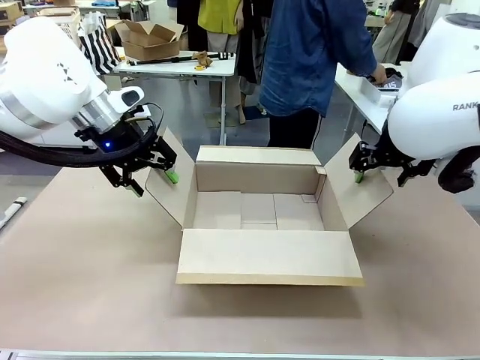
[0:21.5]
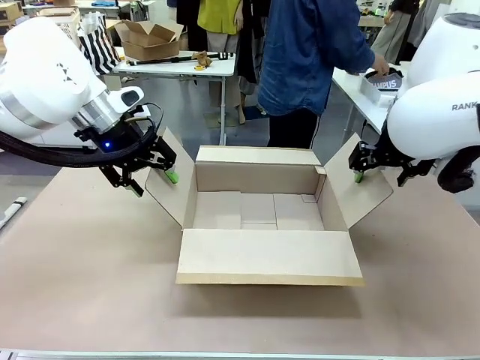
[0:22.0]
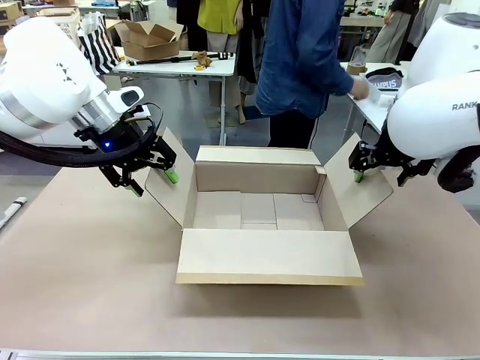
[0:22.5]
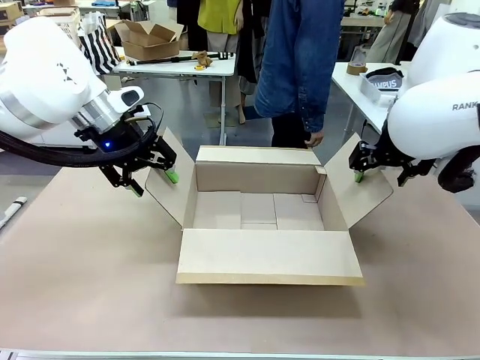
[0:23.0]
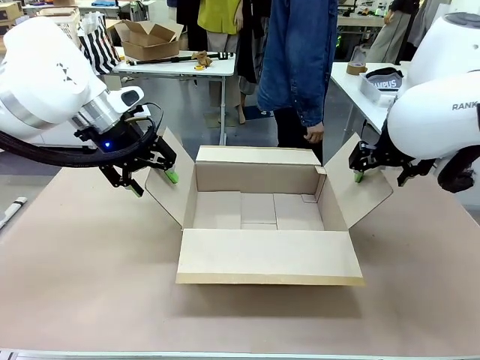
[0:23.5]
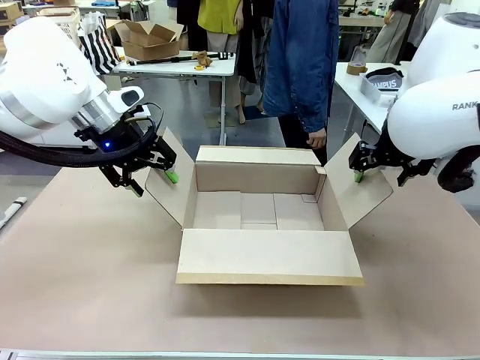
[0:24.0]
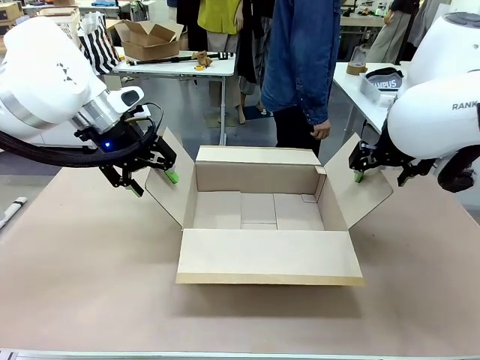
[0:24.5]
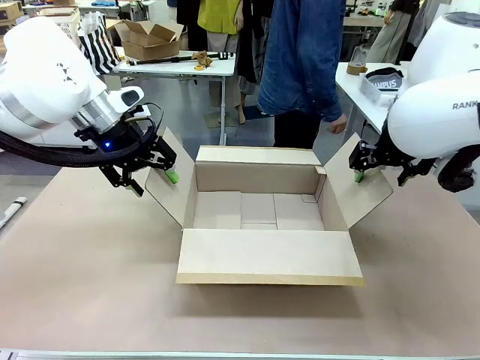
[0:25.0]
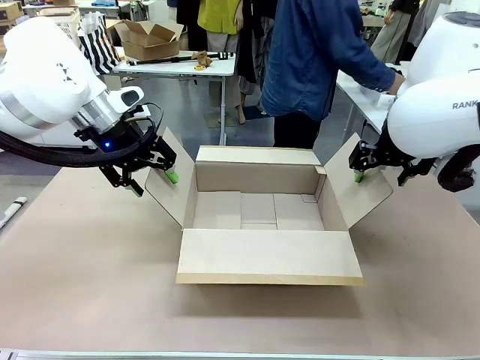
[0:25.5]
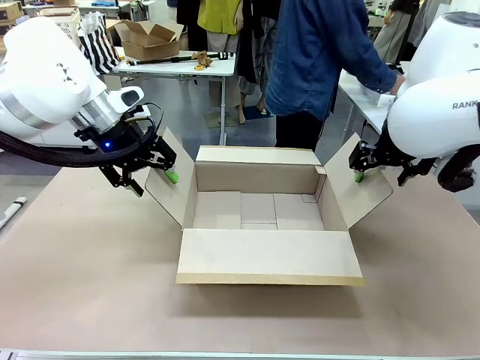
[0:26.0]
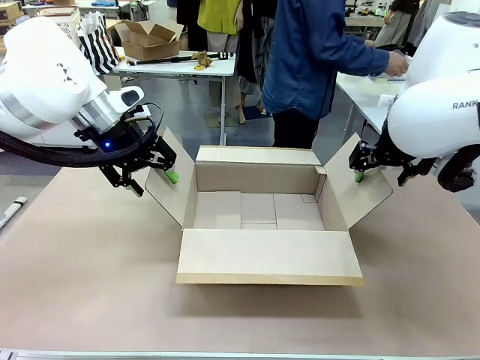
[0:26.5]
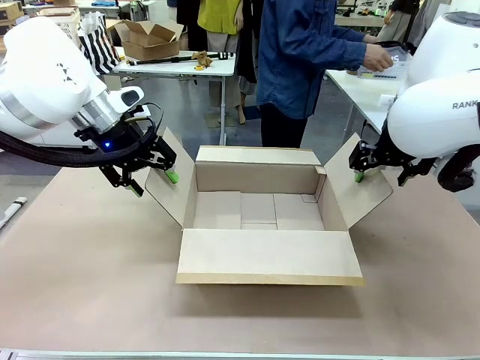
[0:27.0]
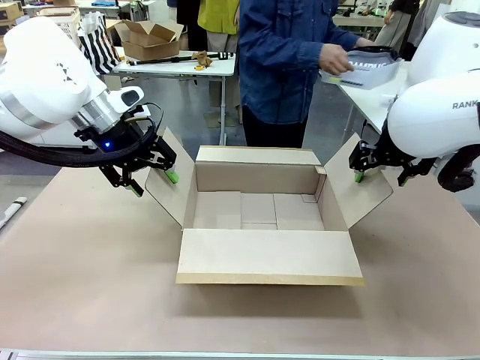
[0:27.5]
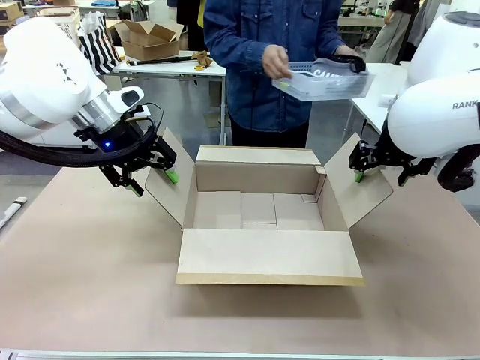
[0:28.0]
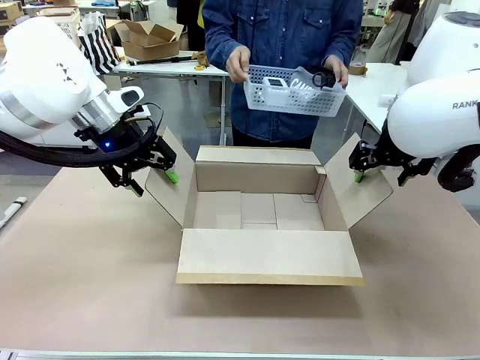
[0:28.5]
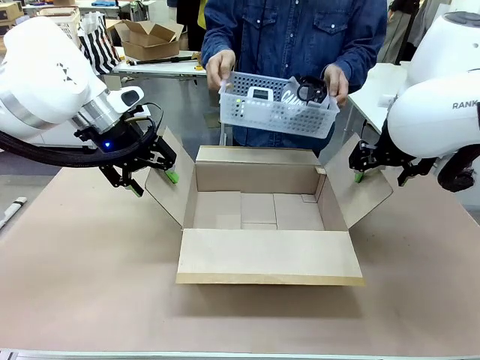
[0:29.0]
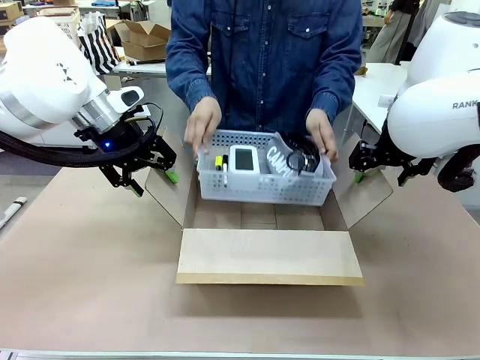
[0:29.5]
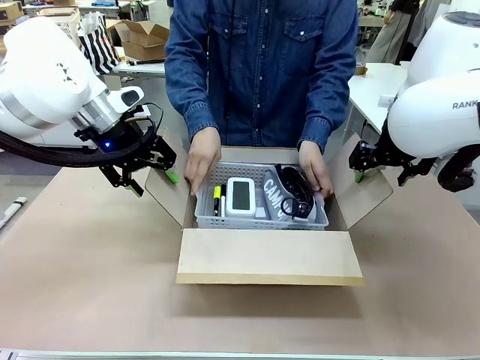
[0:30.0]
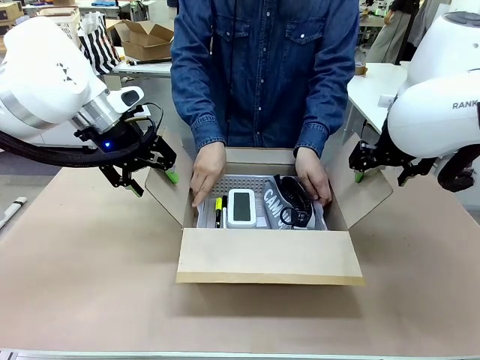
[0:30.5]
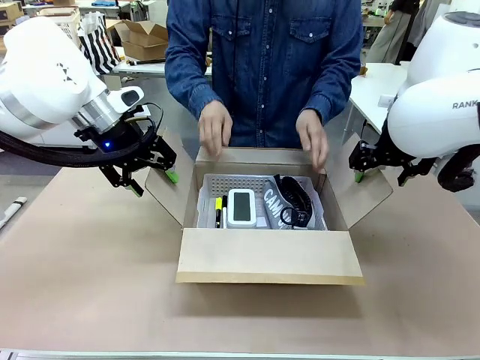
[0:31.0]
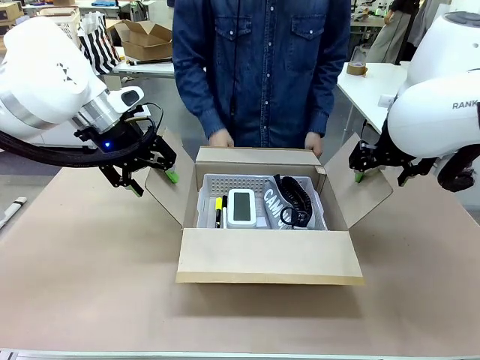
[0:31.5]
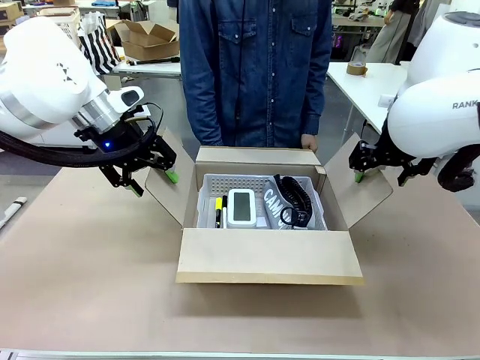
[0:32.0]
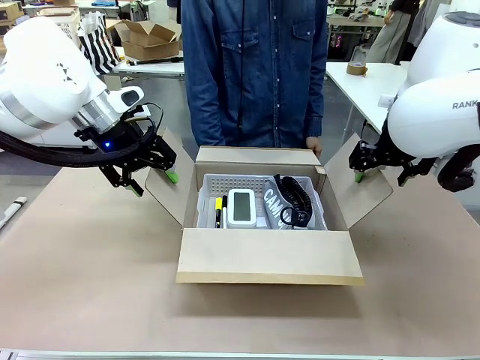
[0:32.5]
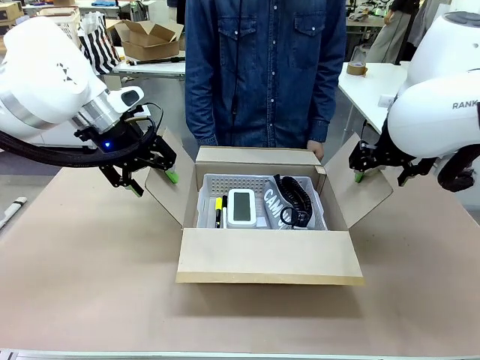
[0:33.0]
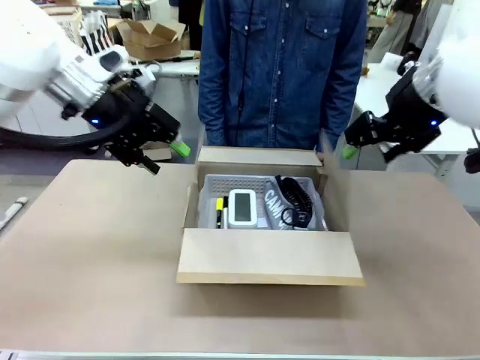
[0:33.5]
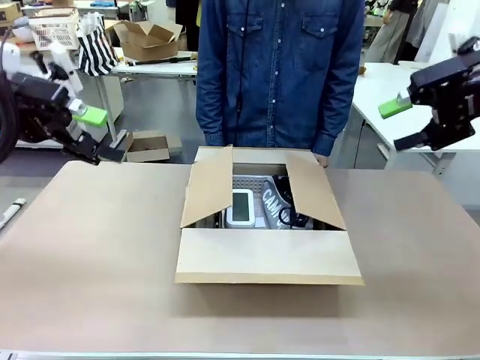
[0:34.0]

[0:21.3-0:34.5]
Task: Pack the gift set into the box.
Robot: Lift both hands away from the flaps of the Package Box.
Person: The human picks up the organizing basket and places the organizing basket into the package box on the robot table.

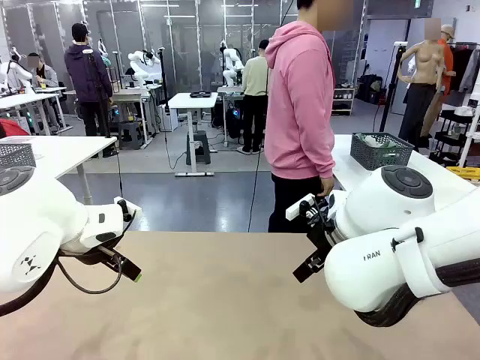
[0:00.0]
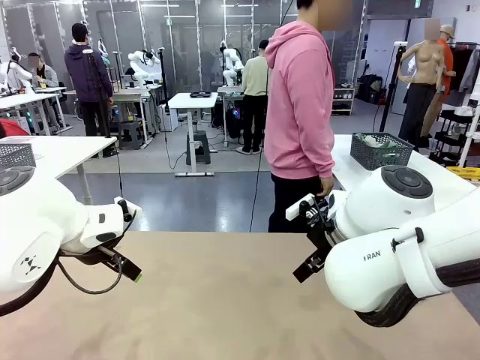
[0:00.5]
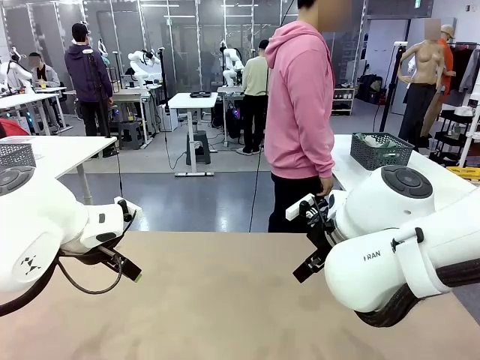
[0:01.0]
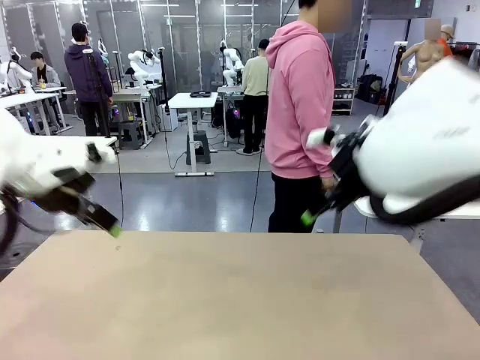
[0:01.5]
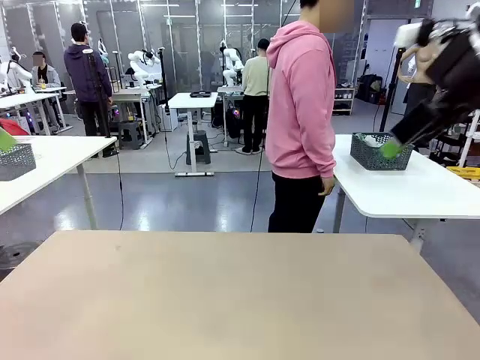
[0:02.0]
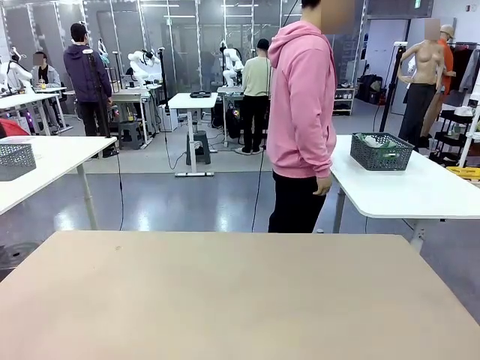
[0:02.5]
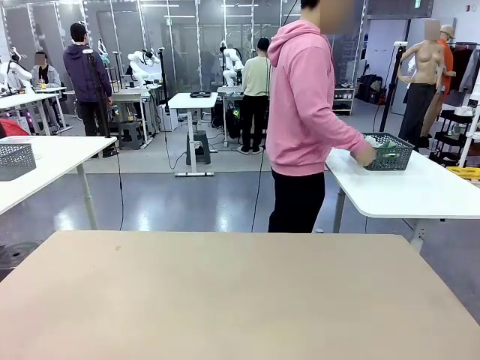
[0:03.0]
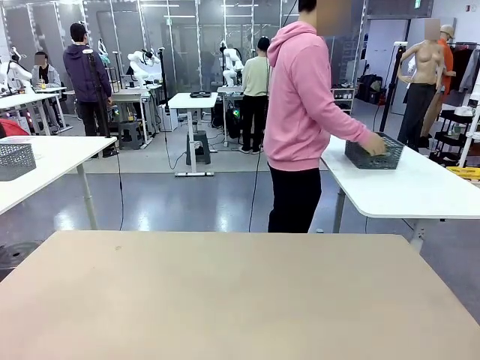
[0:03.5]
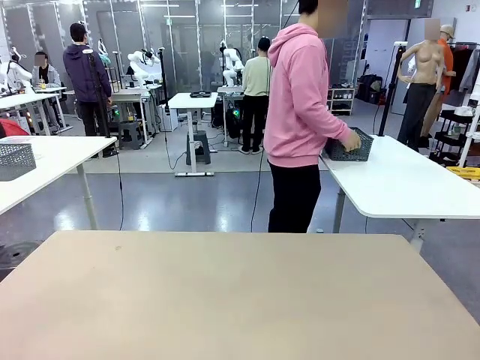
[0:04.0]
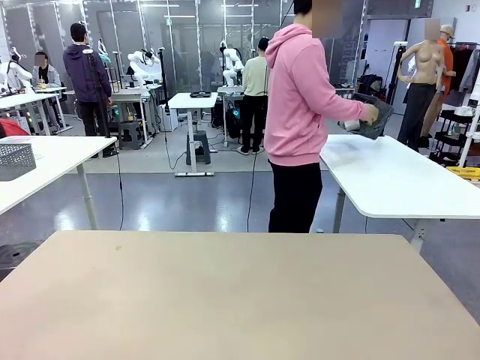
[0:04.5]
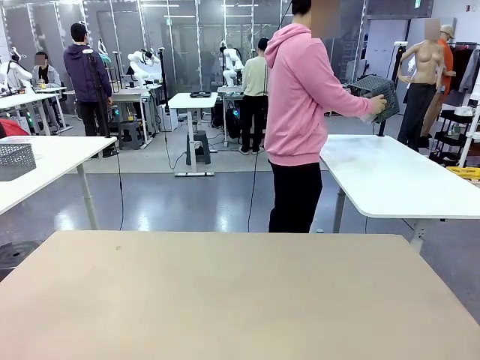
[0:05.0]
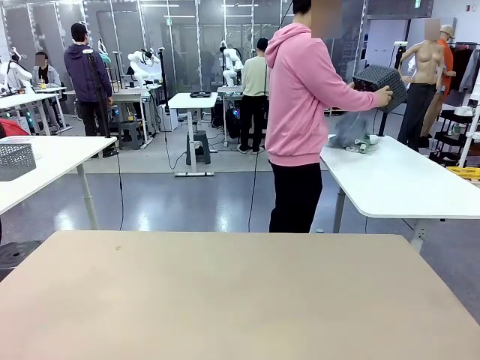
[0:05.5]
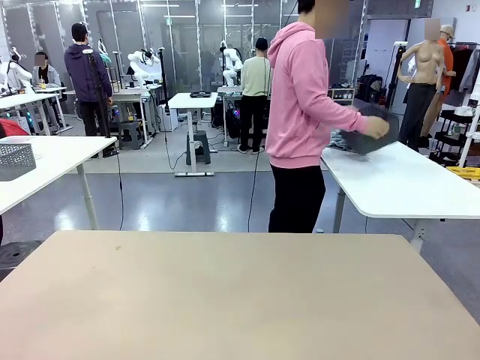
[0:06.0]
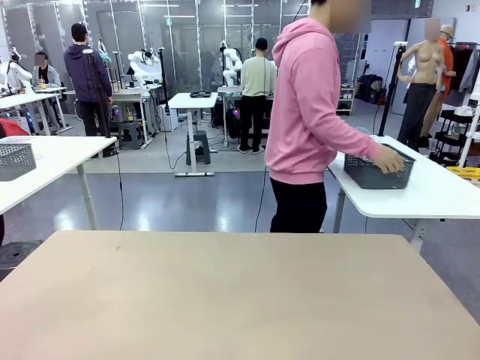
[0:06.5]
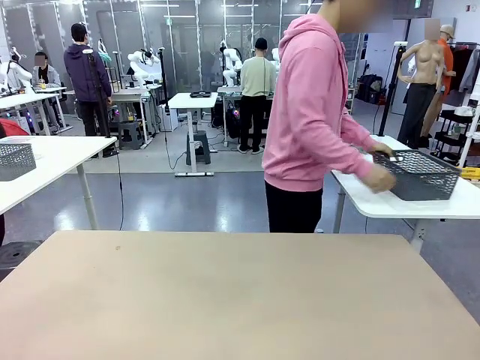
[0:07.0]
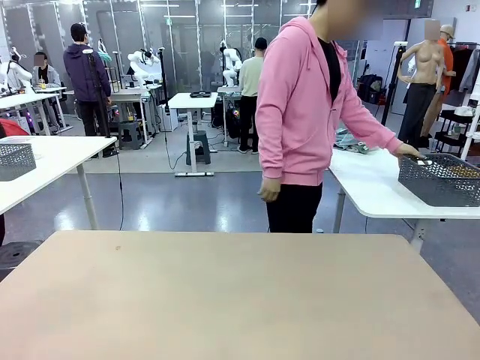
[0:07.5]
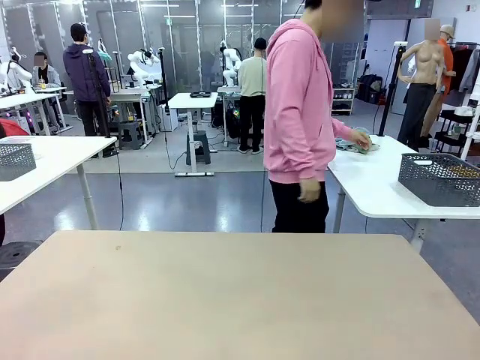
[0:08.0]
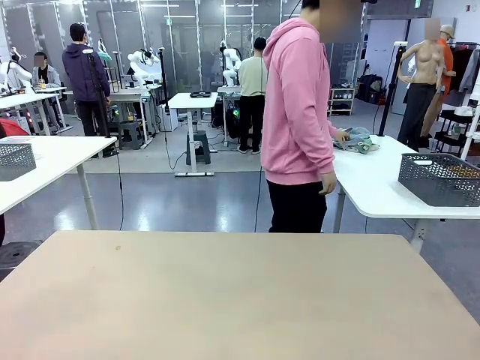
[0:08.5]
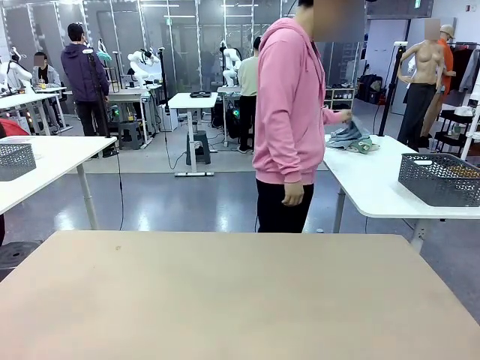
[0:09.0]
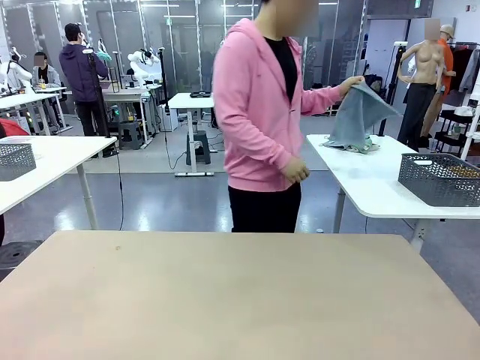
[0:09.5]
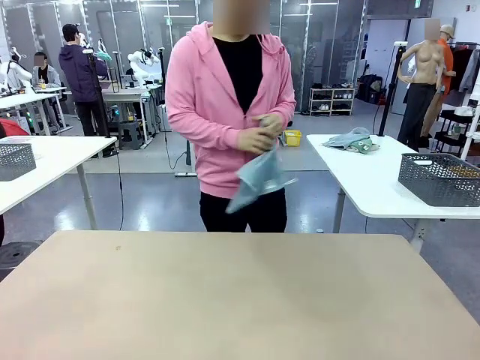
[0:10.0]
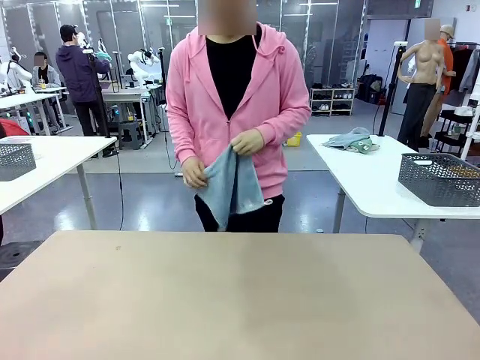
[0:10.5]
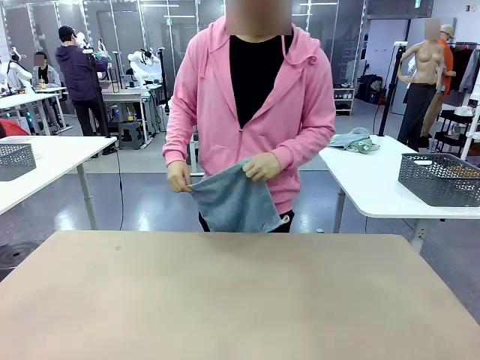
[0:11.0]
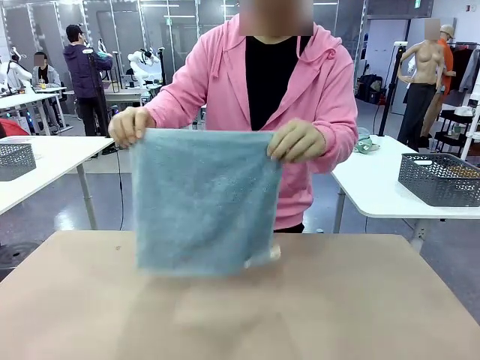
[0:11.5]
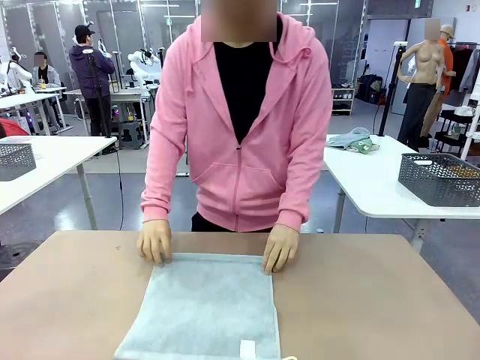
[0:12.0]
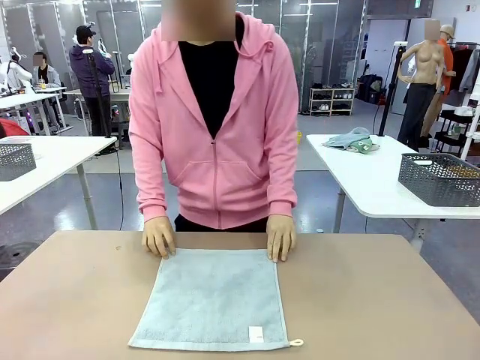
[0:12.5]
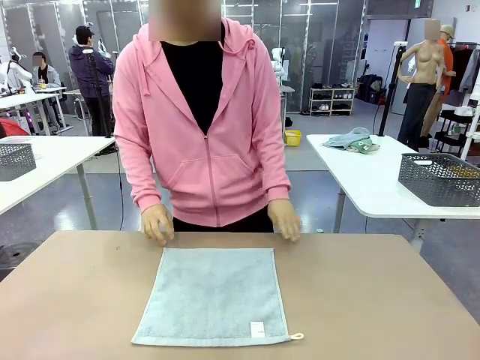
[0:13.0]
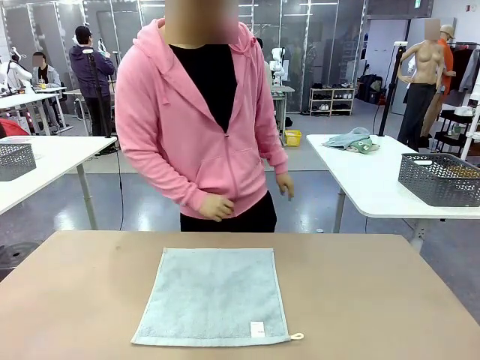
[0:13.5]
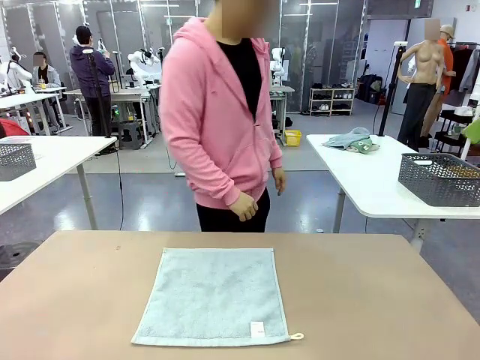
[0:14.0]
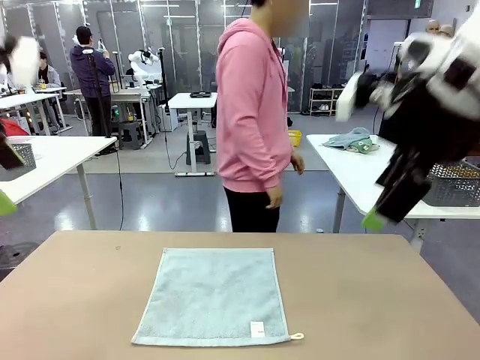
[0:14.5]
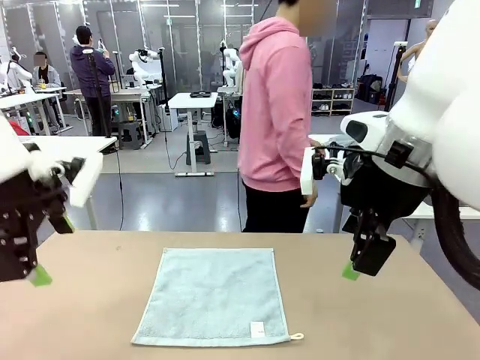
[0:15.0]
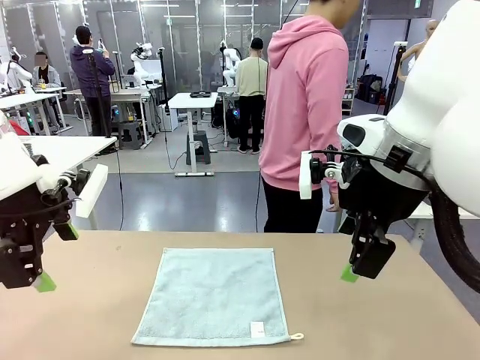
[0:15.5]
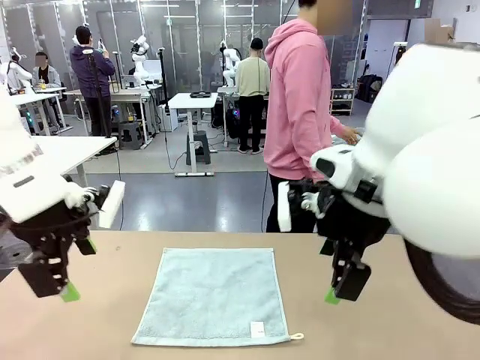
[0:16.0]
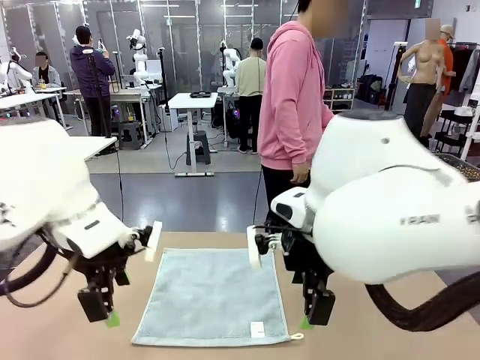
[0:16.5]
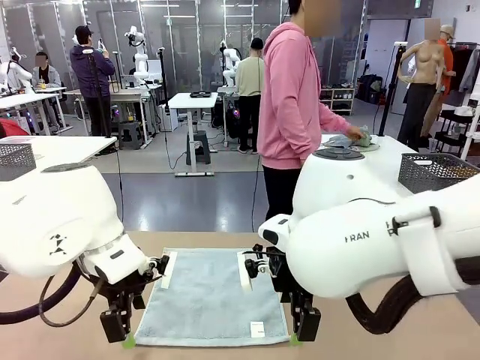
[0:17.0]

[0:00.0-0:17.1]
Task: Fold the towels and place them in the basket.
Robot: When a person lays out a Towel with hook on the table, fold it in half twice.
Person: Pick up the basket, pour the towels onto the left side of the human table, and place the basket on the right side. Pick up one towel and spread it out at the center of the robot table.
